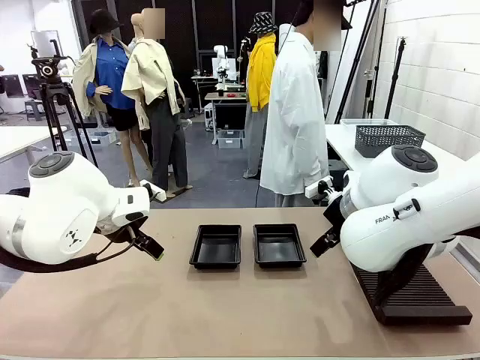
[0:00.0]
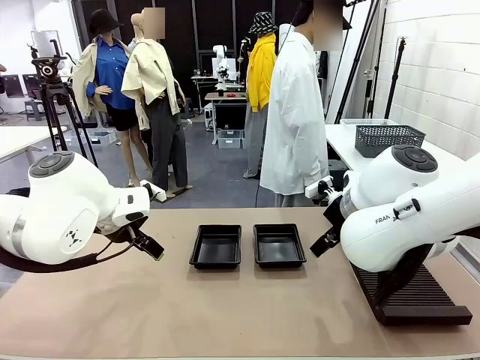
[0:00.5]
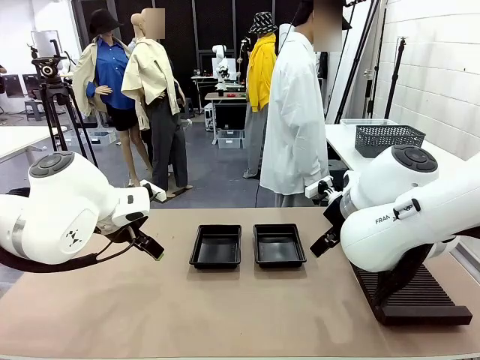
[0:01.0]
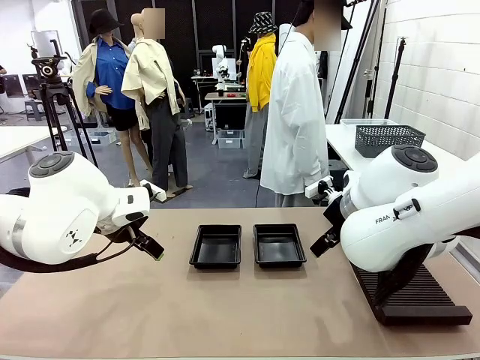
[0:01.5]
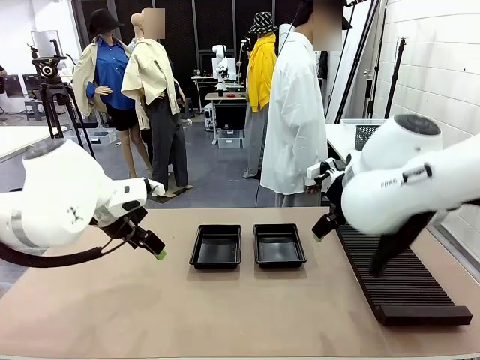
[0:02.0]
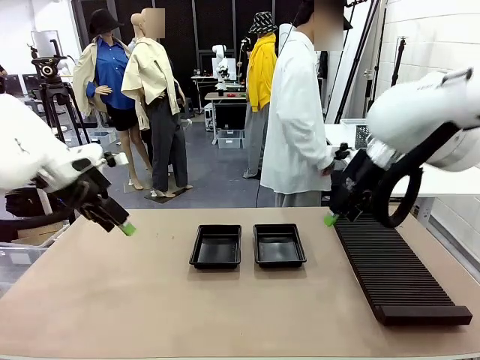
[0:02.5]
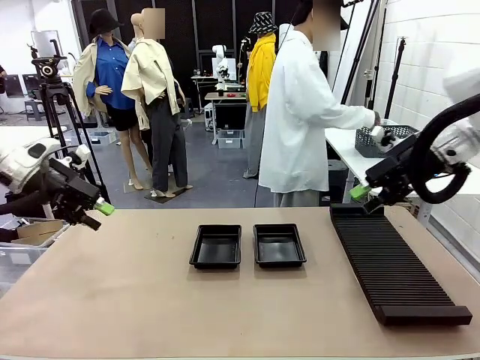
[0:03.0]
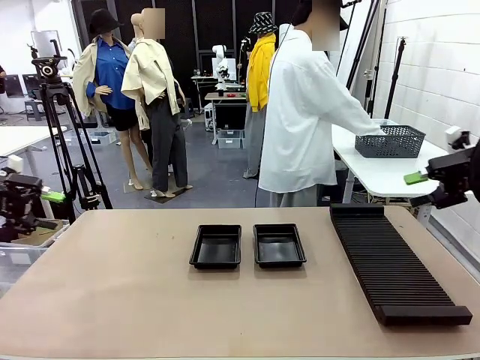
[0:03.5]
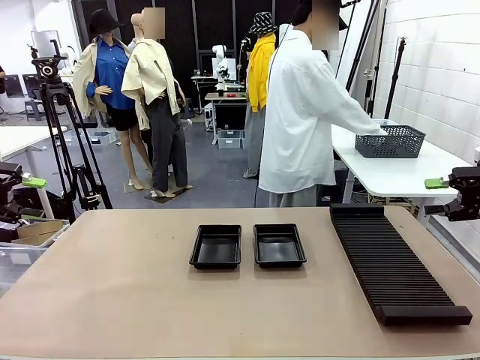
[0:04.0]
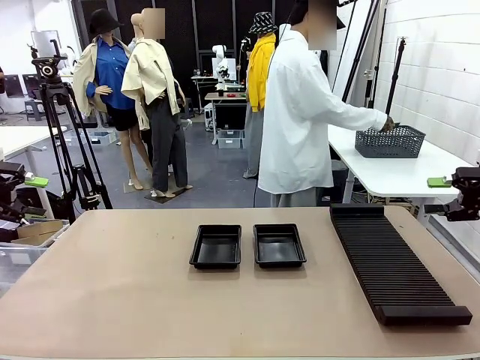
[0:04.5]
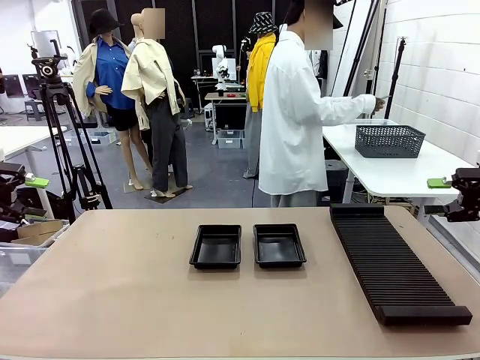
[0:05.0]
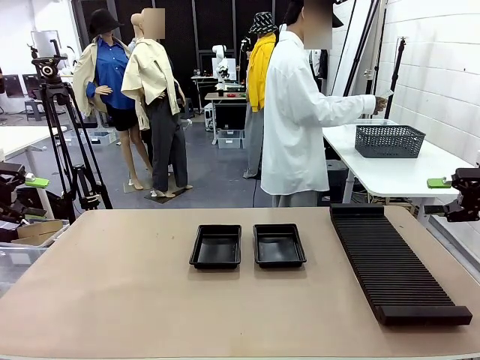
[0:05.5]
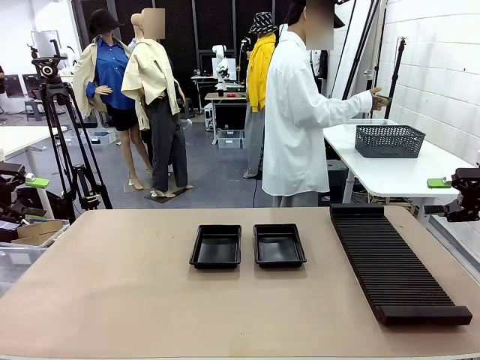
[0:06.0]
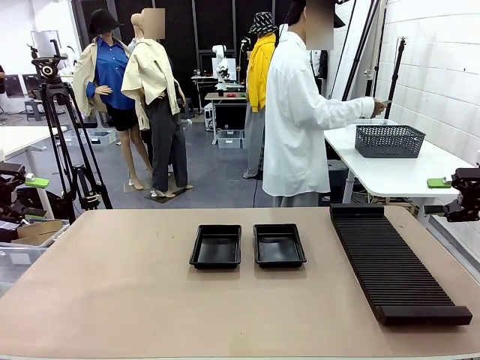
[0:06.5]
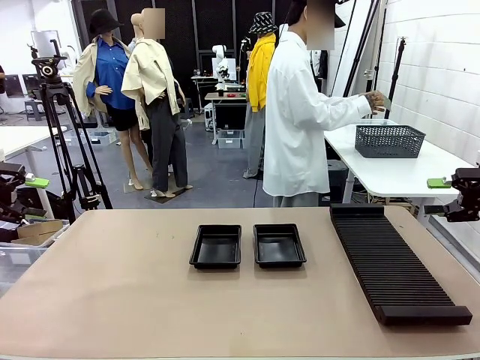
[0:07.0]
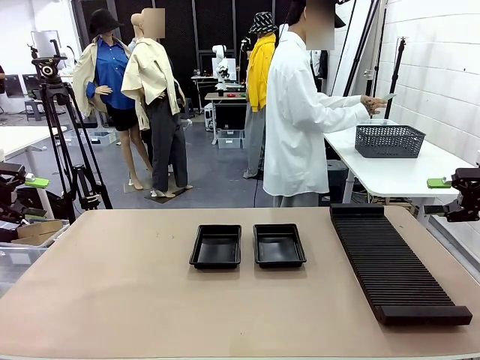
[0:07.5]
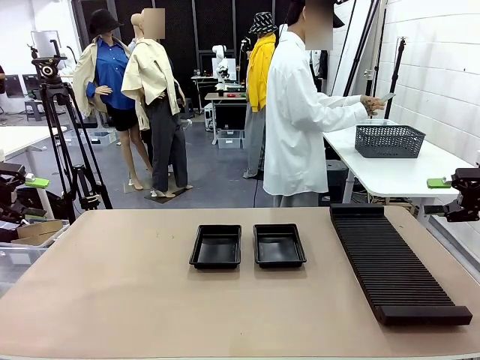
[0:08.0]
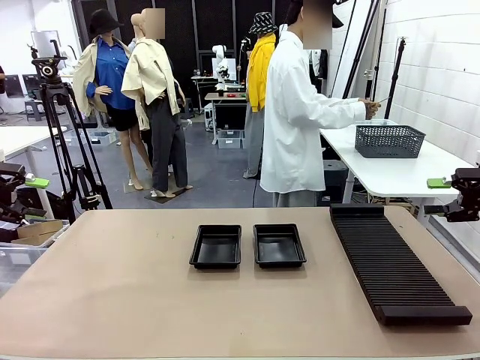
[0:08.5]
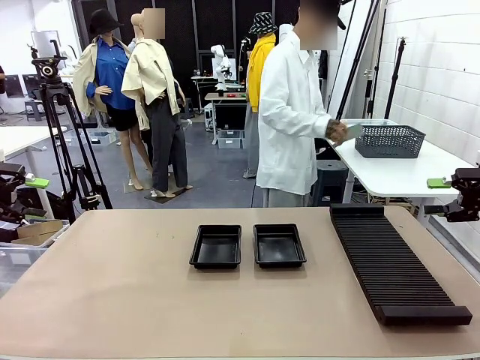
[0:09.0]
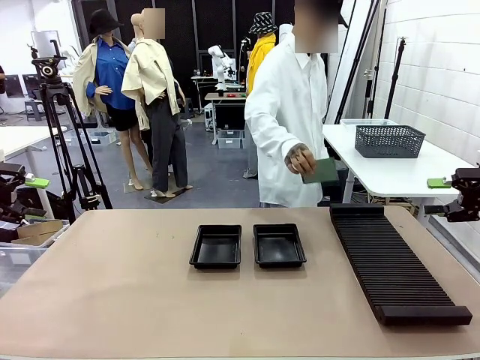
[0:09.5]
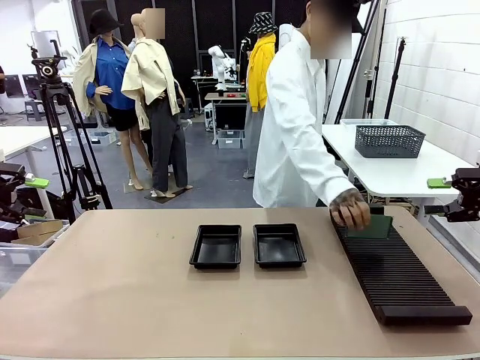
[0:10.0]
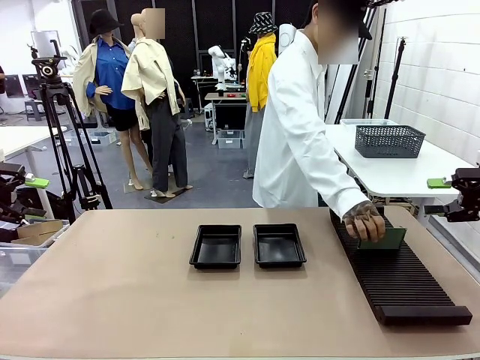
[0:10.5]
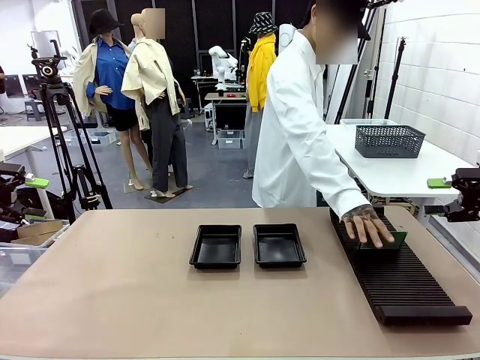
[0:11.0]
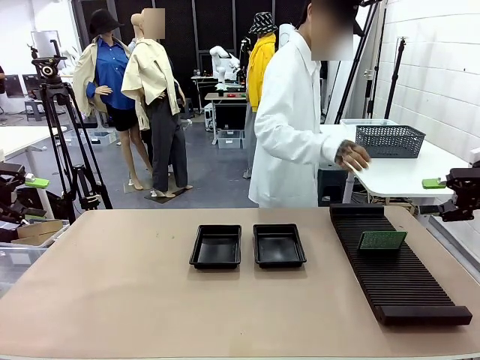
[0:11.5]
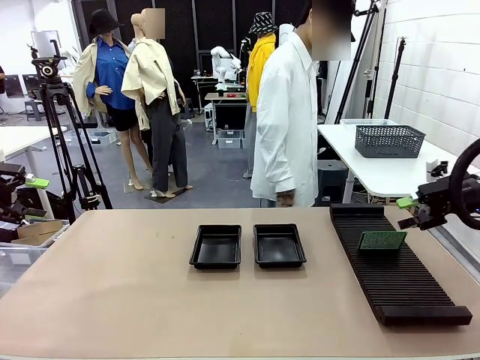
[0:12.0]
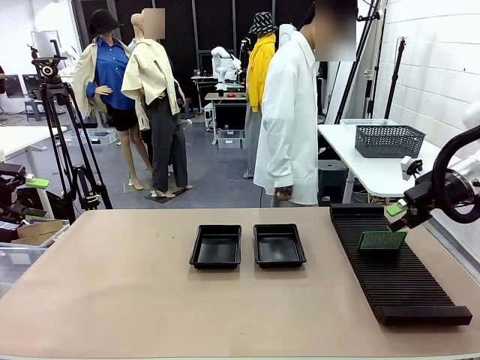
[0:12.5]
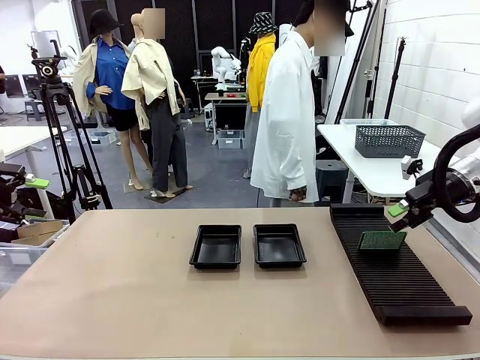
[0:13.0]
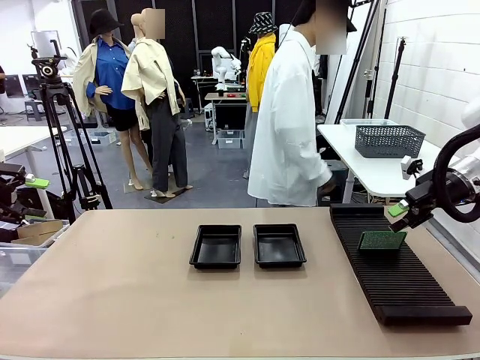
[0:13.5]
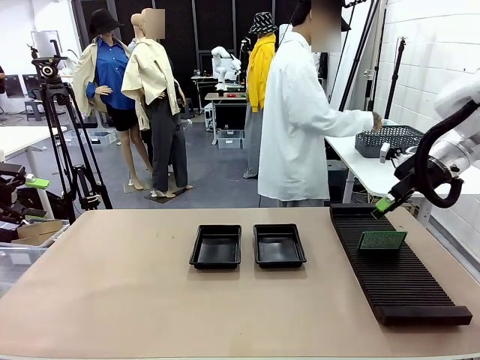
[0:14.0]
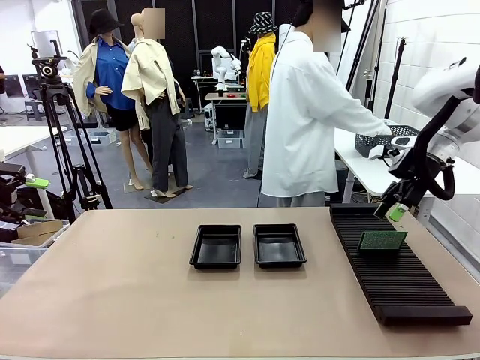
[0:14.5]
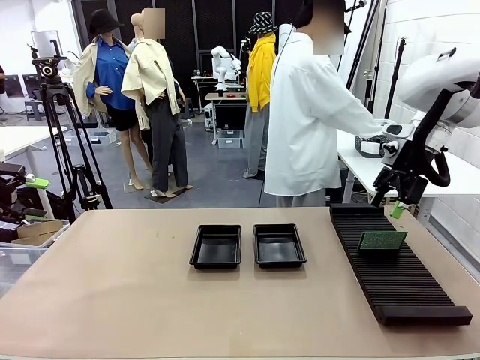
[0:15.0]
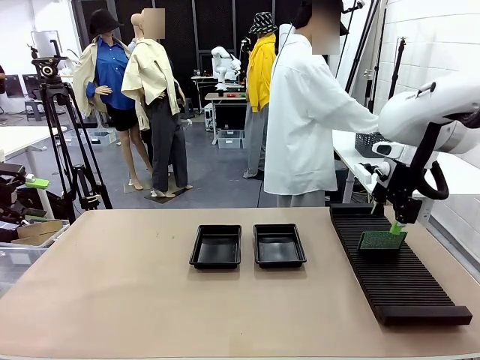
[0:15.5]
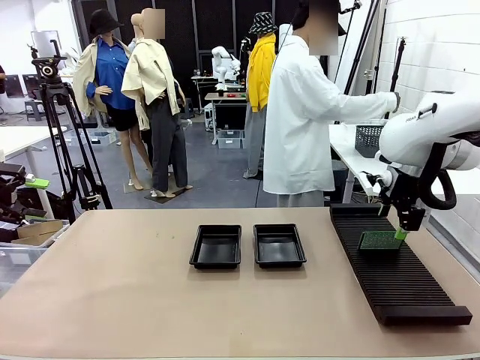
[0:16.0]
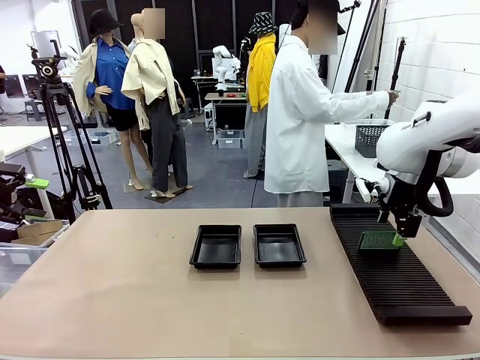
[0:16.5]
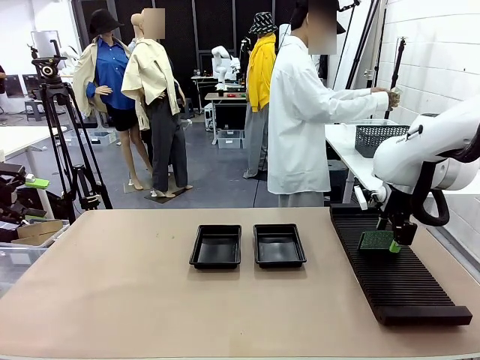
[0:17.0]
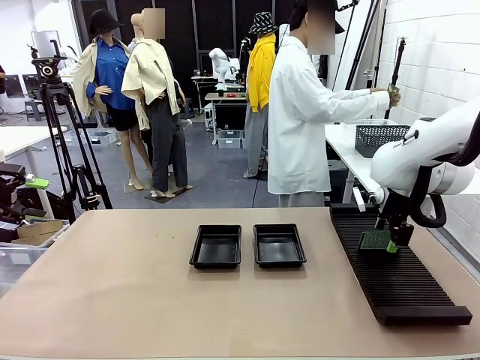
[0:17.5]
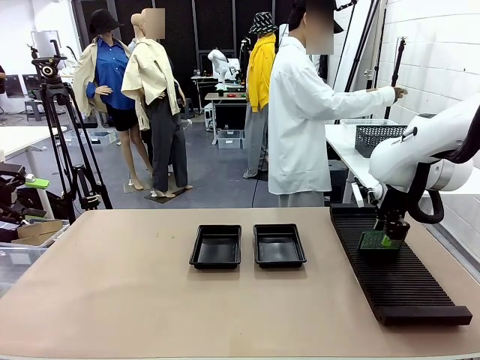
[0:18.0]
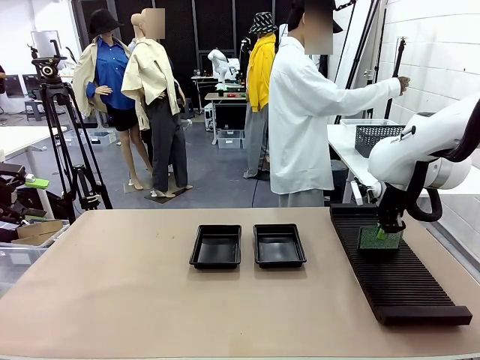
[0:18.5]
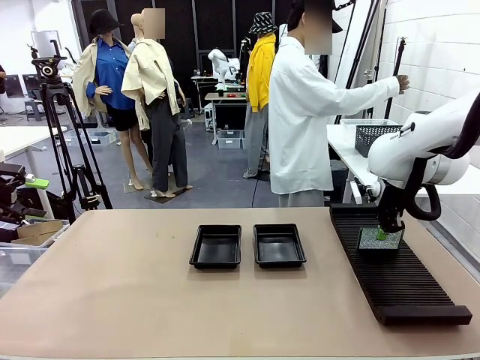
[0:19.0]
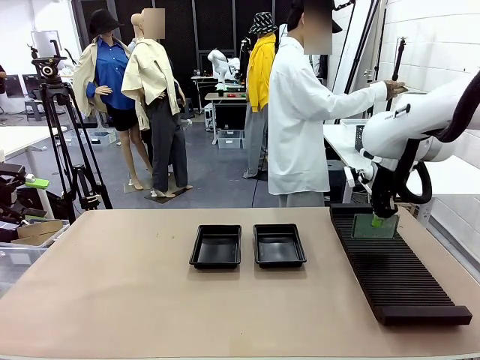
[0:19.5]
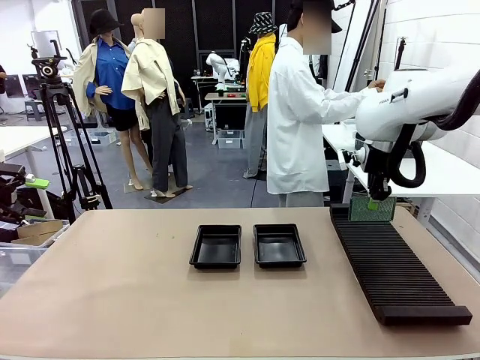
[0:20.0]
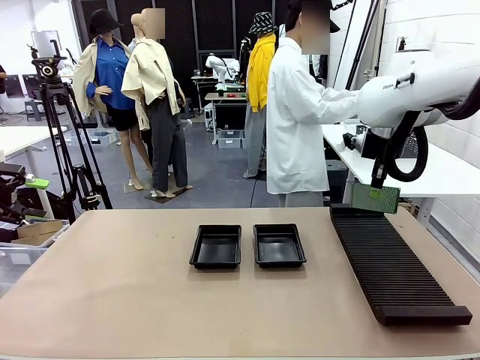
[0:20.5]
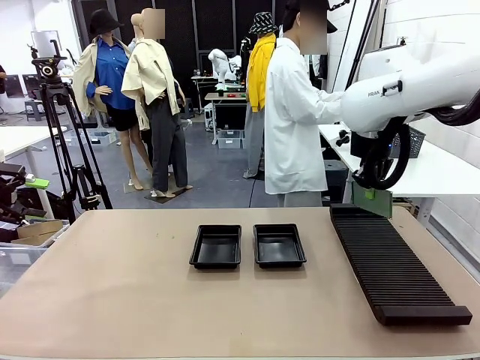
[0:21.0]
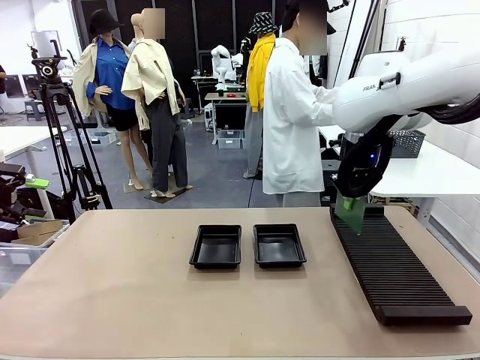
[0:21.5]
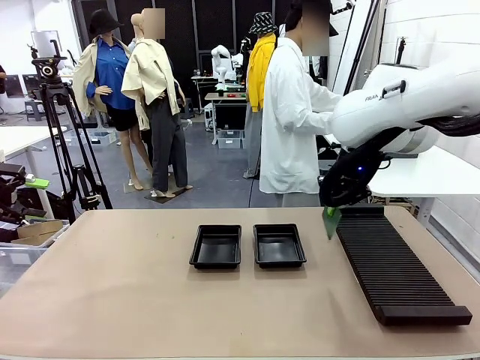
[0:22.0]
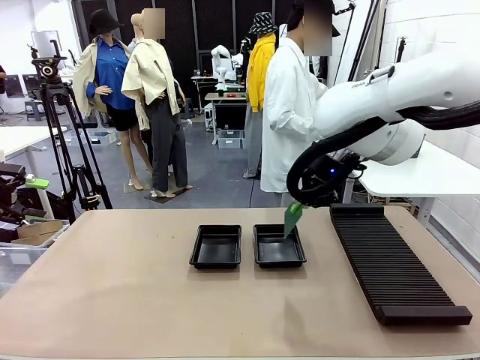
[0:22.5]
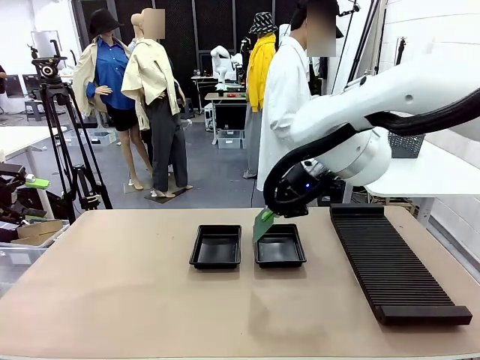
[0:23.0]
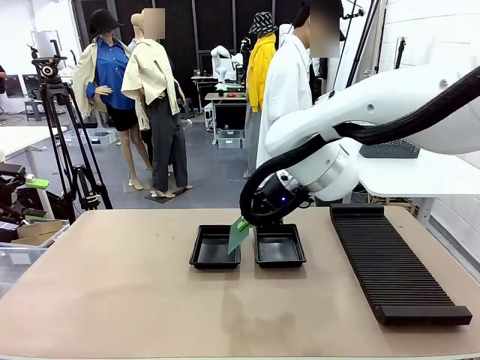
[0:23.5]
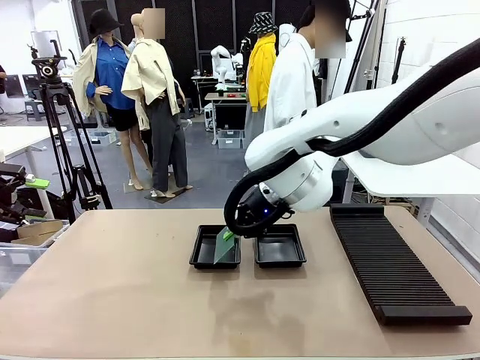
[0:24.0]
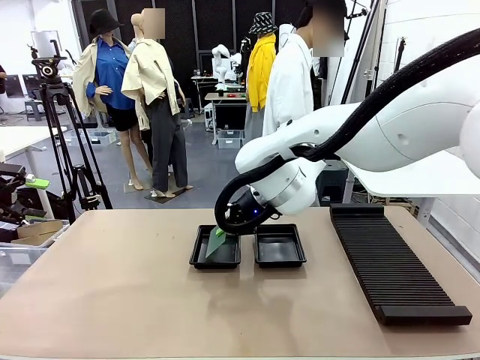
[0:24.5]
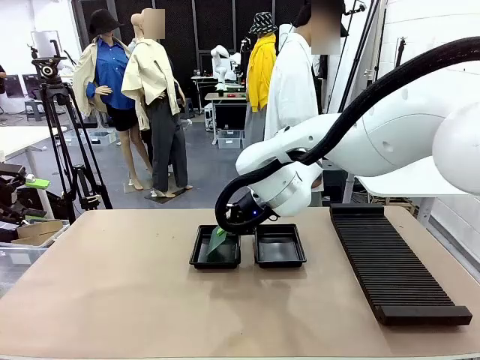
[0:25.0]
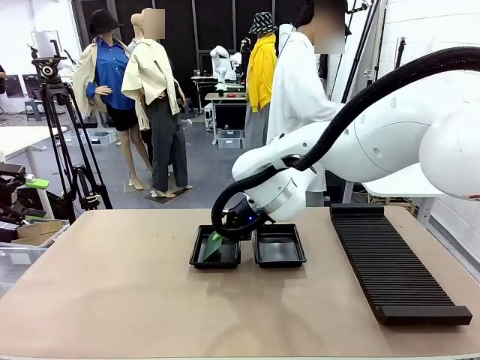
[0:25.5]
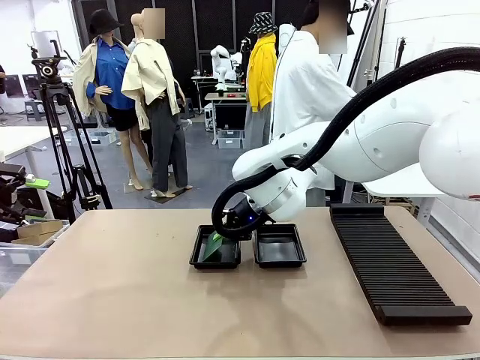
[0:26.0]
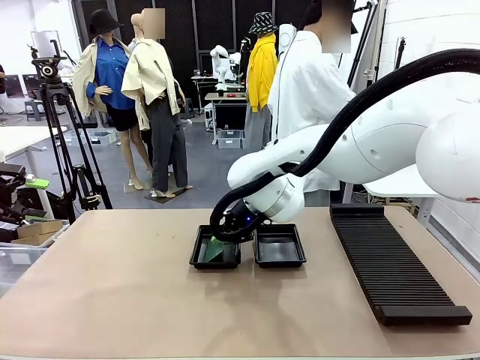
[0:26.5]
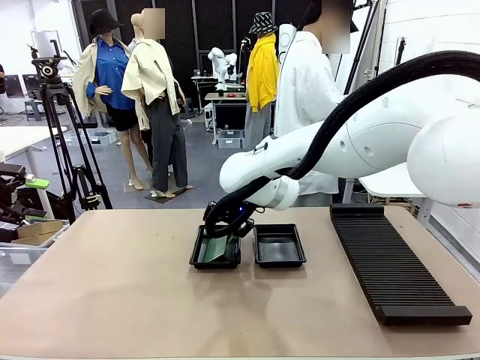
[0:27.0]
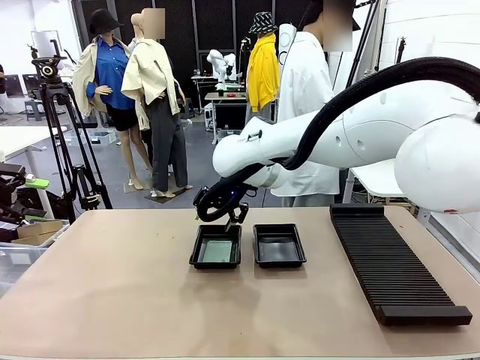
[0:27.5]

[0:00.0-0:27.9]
Task: Inspect and transfer BCBs to ESD trays.
Robot: Pick up the Blank PCB from the PCB Rack and place it in the left ESD tray.
